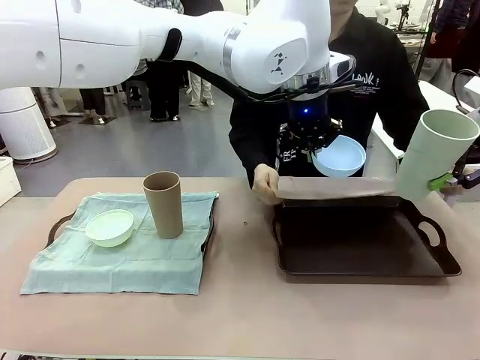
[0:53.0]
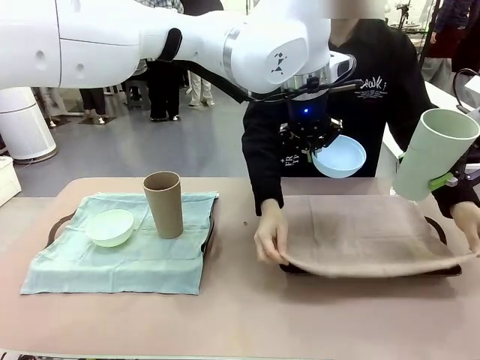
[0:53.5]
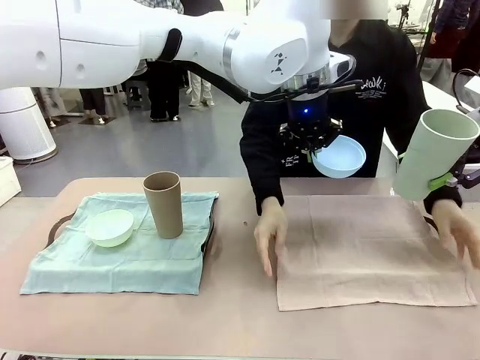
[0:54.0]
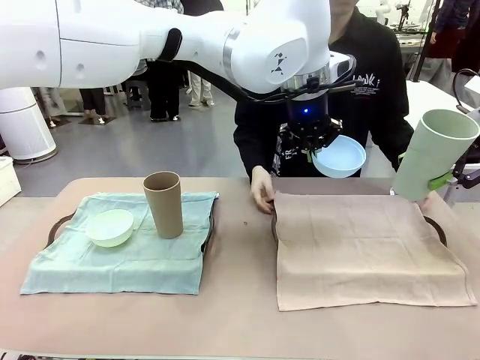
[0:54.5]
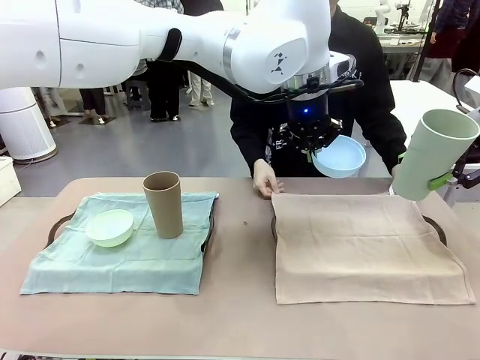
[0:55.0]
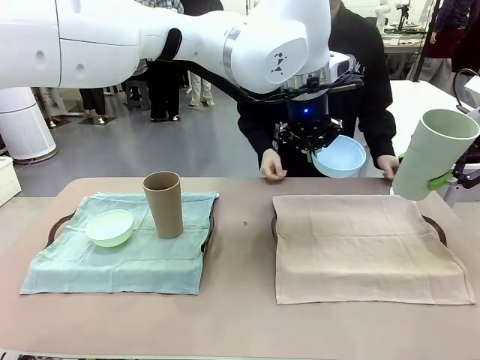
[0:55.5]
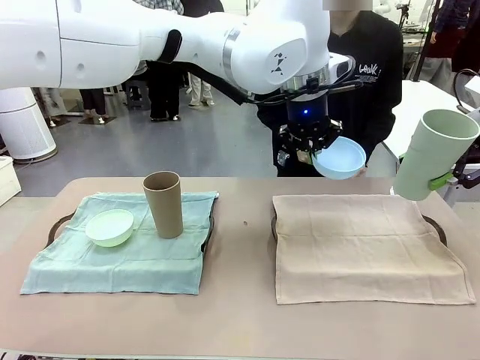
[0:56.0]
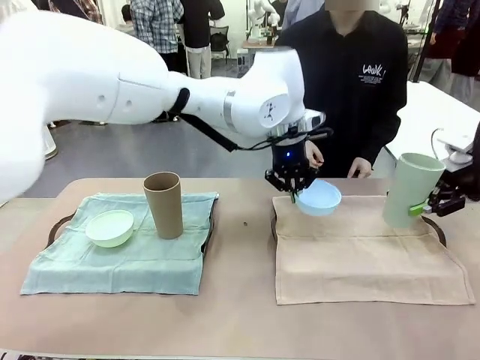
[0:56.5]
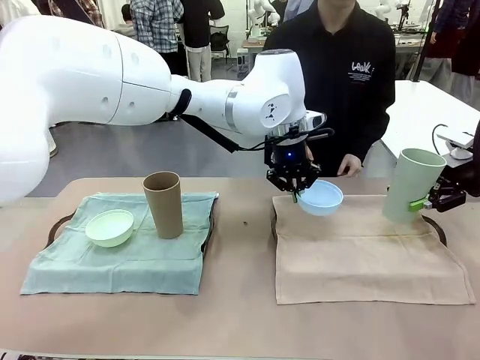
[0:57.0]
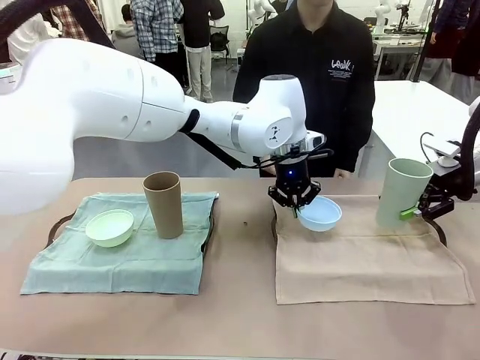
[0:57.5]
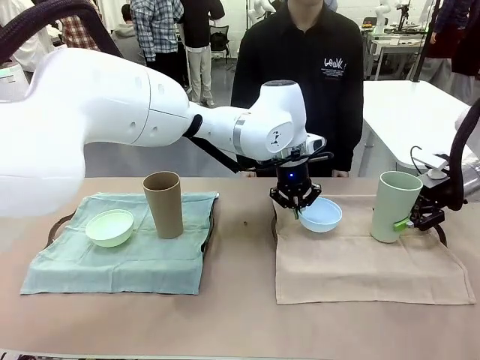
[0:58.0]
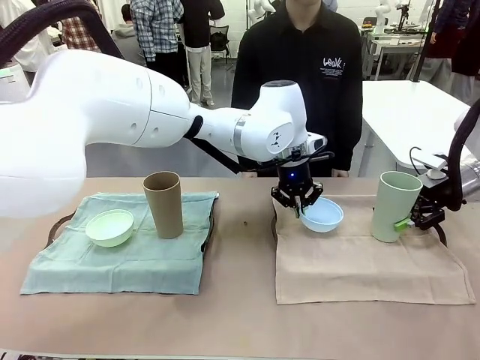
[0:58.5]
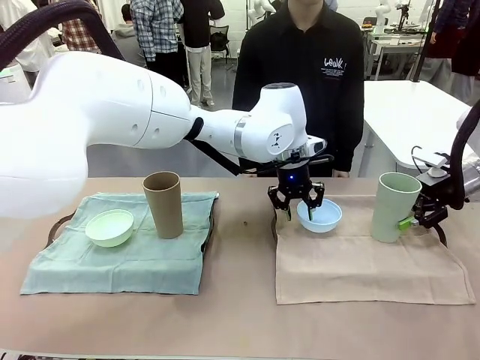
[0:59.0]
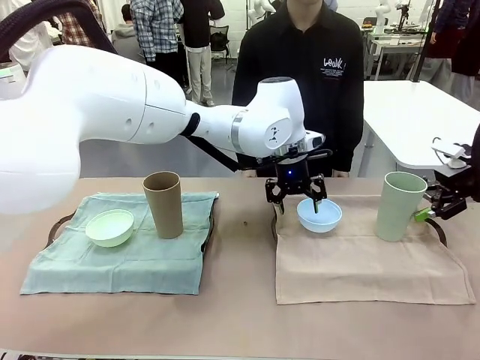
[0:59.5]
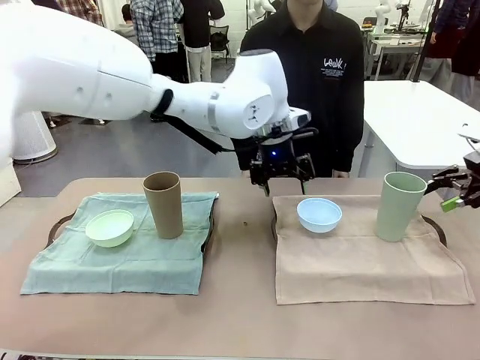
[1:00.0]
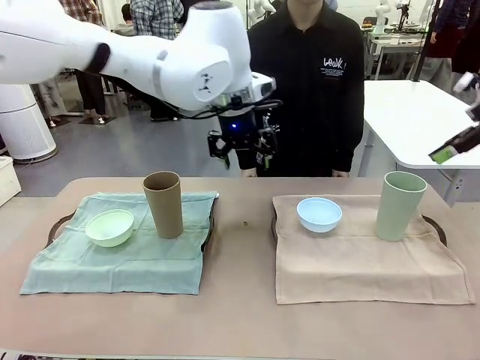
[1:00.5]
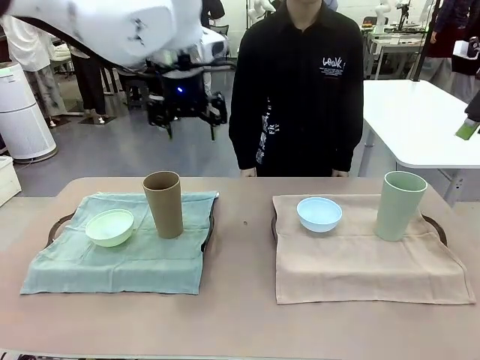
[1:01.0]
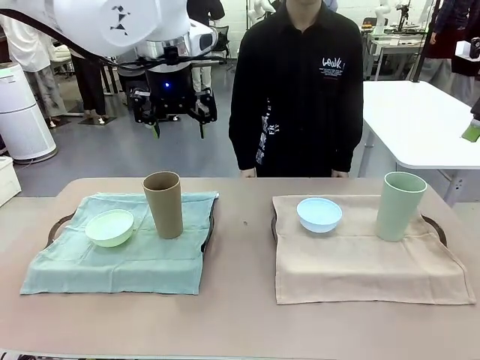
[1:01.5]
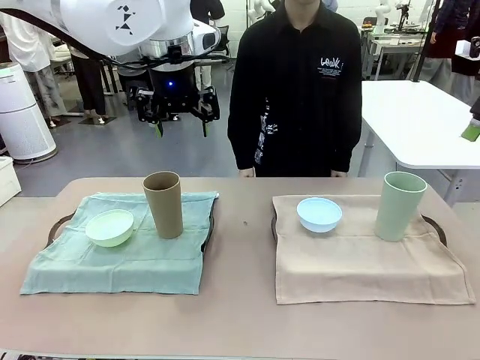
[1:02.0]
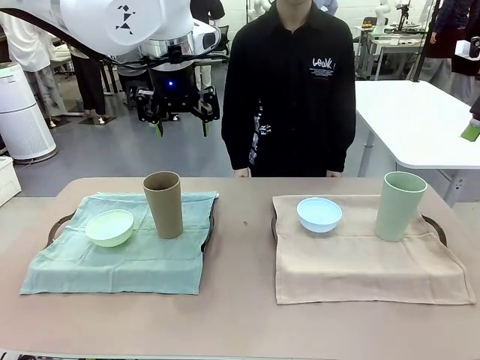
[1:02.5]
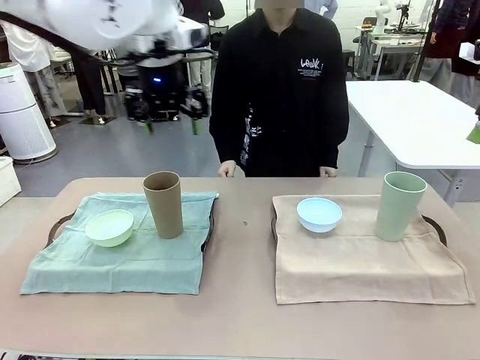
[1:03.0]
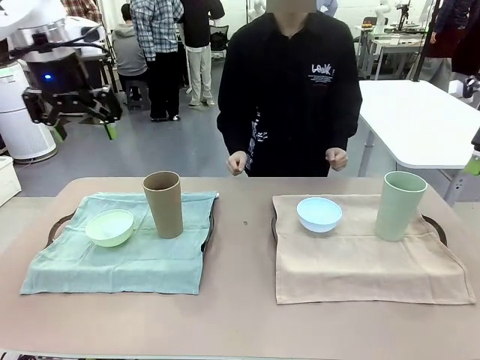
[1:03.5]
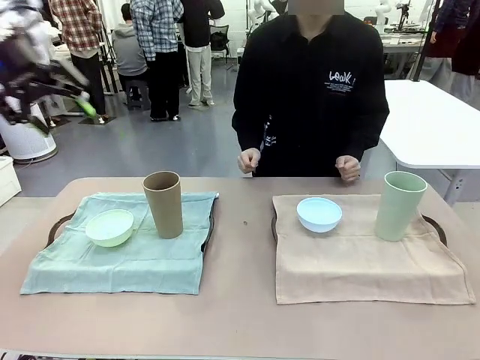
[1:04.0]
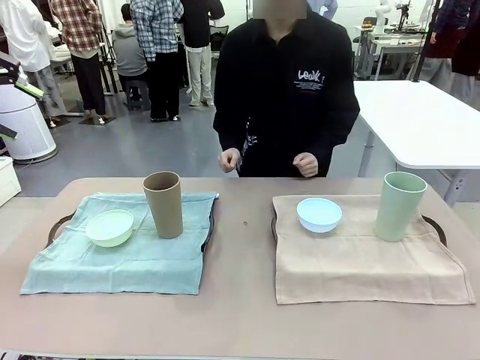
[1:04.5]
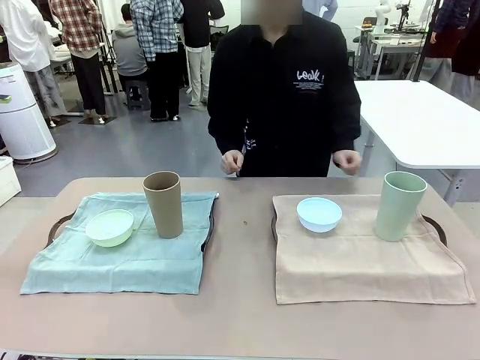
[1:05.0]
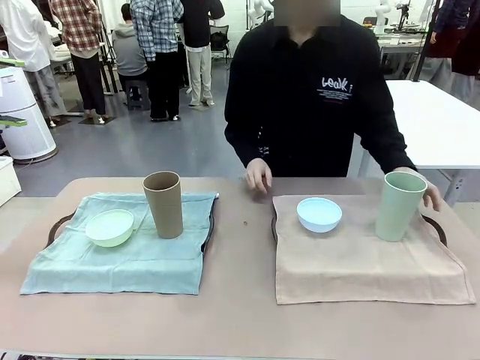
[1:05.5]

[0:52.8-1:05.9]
Robot: Place the Picnic Bowl and Reusable plastic cup back onto the Handle tray in front of the human's position.

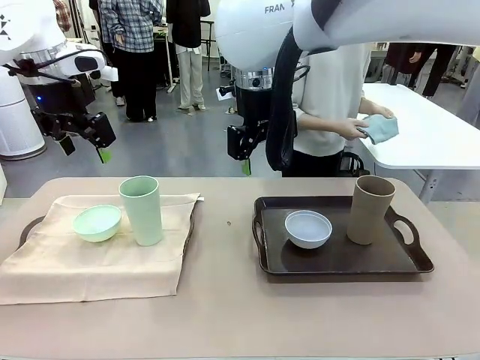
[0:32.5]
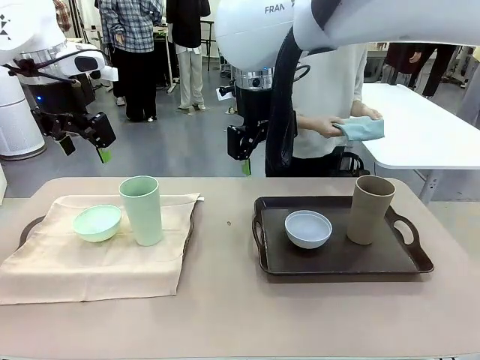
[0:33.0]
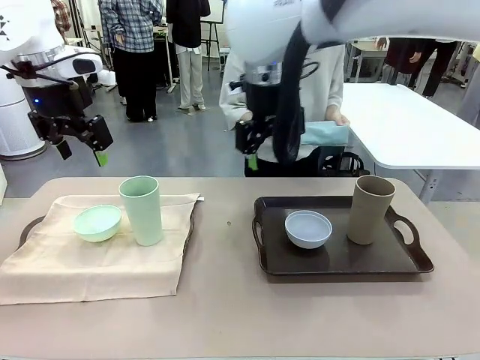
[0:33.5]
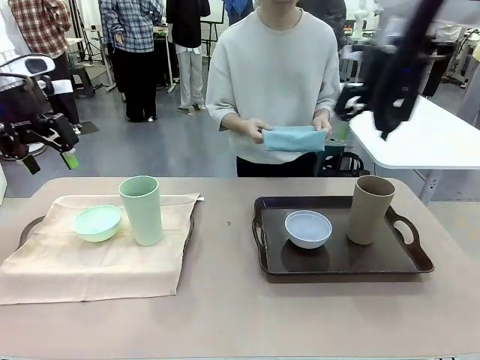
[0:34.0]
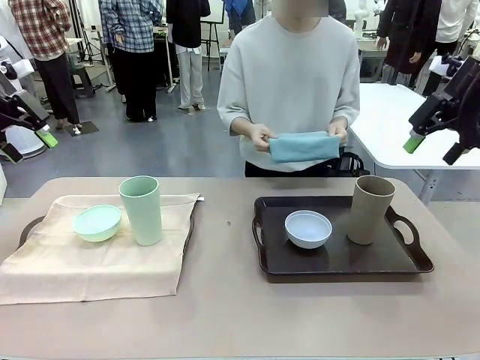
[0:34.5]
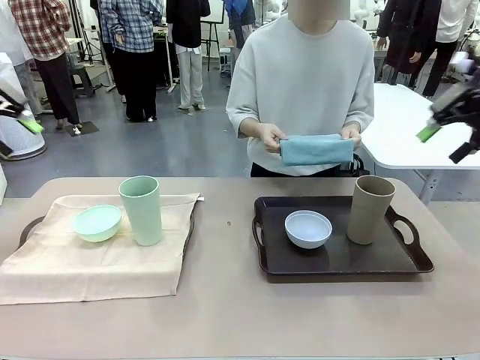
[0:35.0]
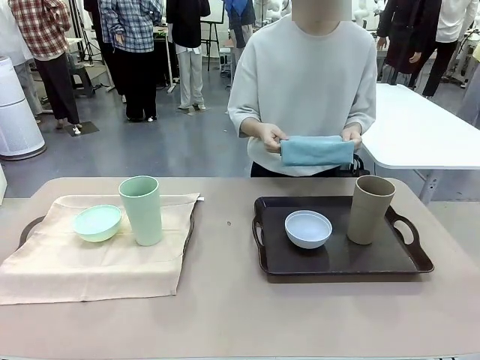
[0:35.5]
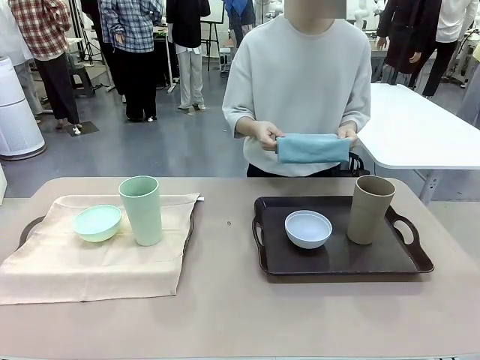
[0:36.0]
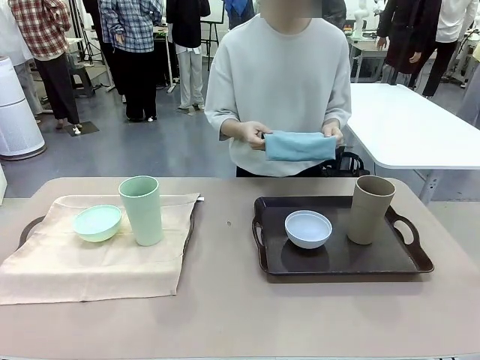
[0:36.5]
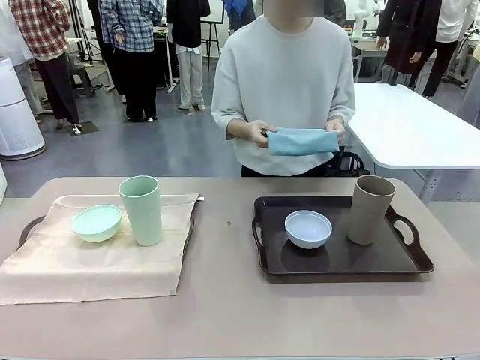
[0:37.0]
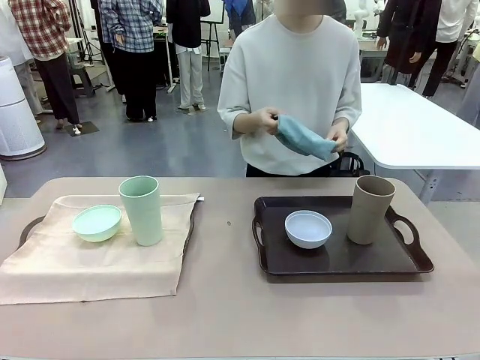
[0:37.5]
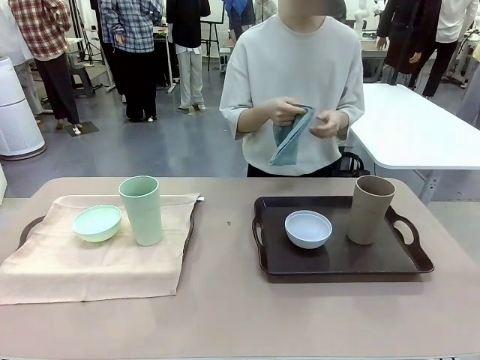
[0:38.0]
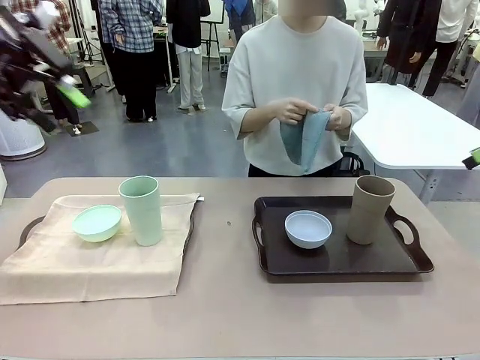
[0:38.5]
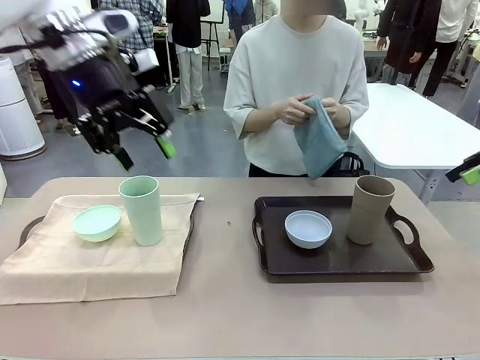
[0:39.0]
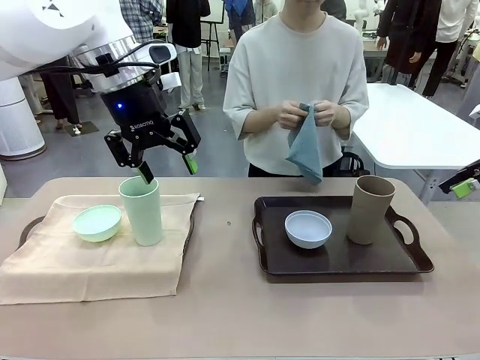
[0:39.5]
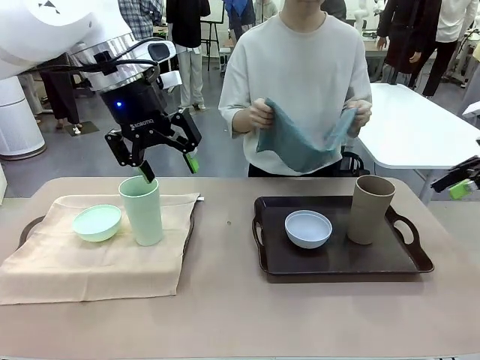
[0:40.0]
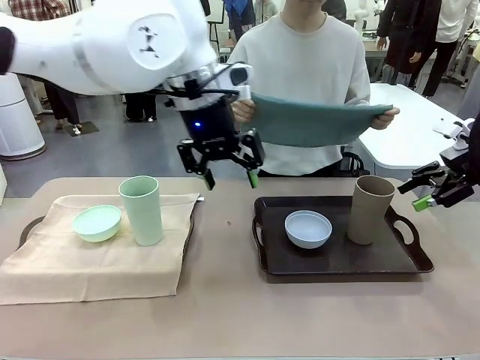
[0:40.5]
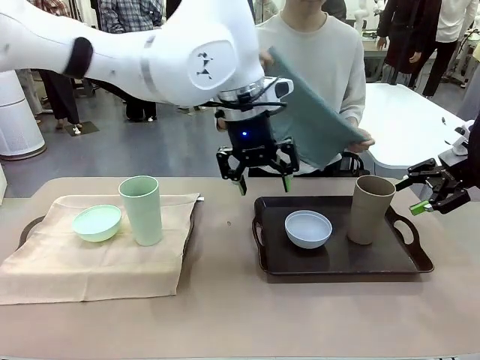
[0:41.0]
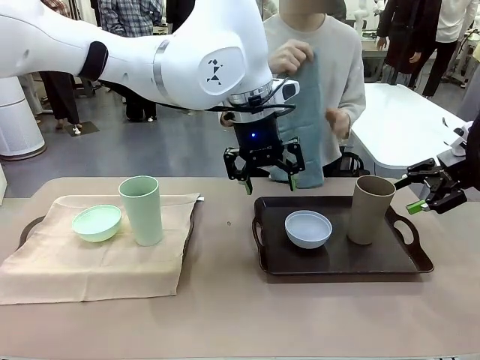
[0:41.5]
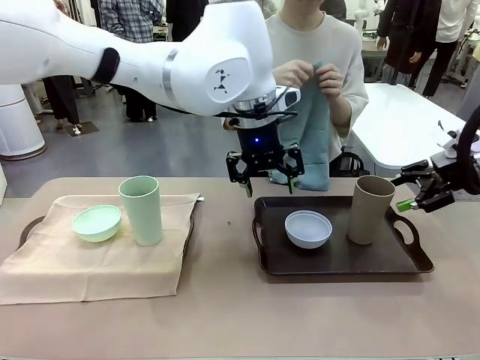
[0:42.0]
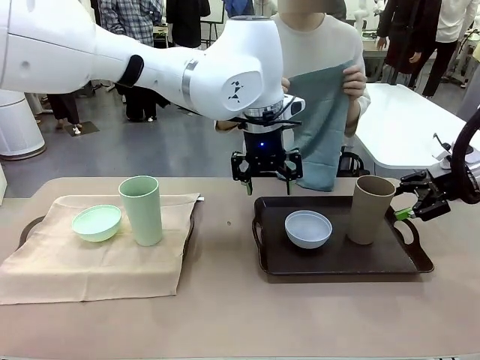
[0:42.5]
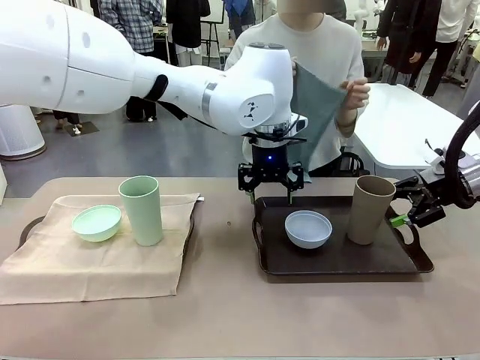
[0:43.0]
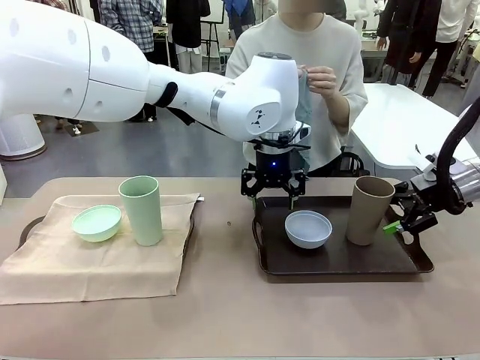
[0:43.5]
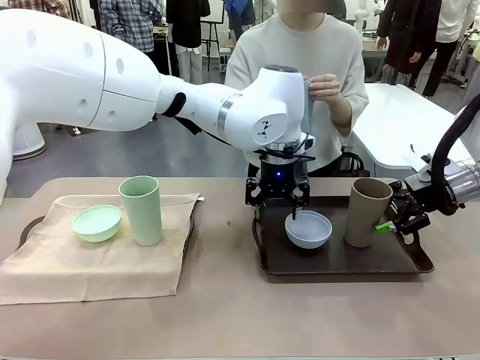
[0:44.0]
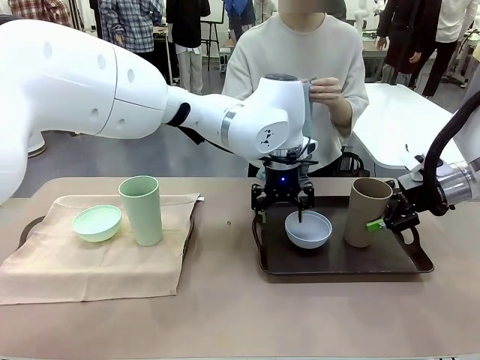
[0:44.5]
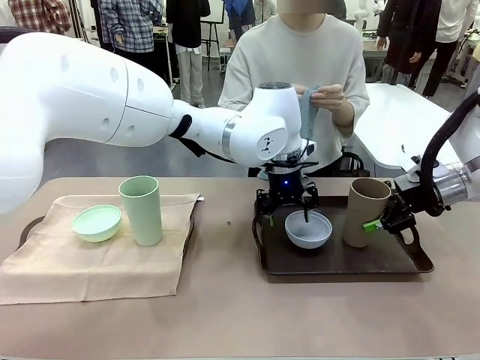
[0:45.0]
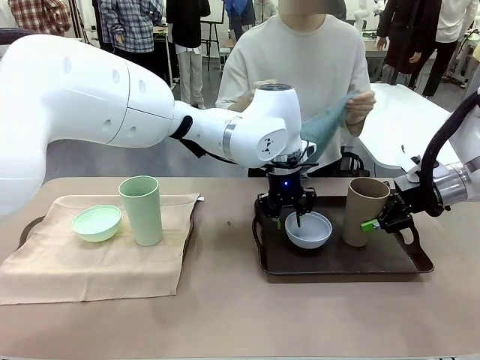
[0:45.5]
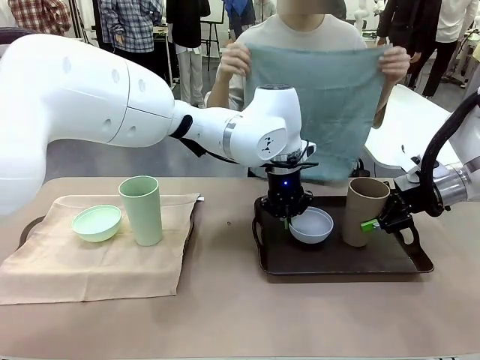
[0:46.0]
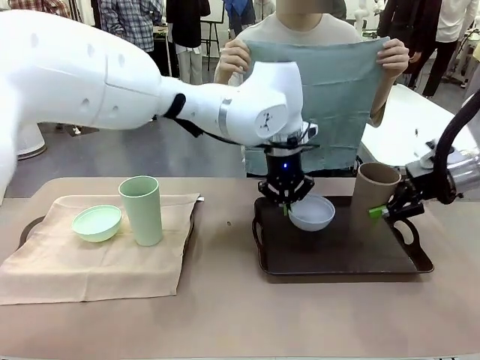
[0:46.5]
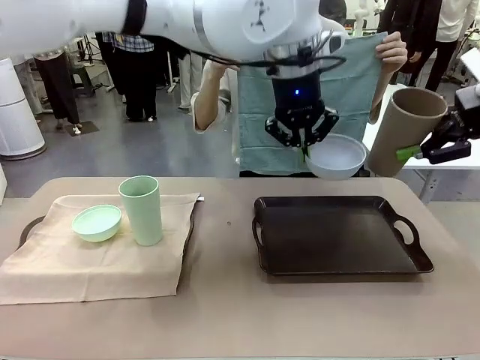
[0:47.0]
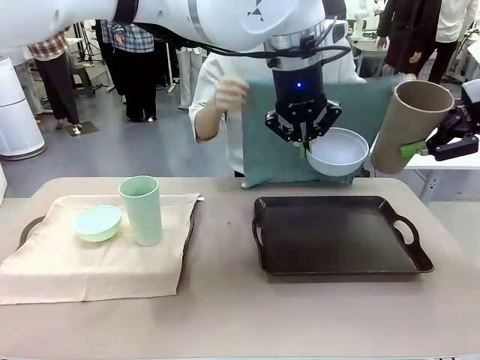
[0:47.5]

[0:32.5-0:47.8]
Robot: Pick up the Picnic Bowl and Reusable plastic cup from the Handle tray in front of the human's position and hold them in the air.
